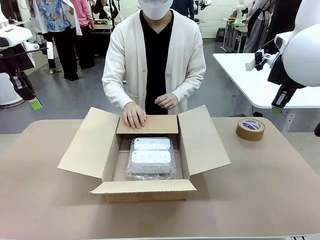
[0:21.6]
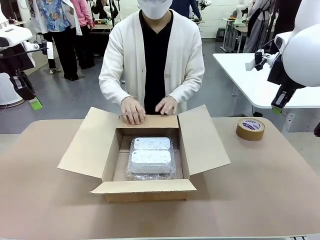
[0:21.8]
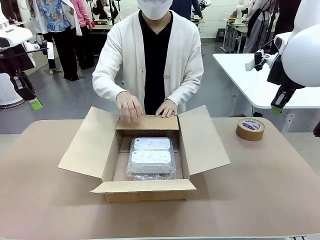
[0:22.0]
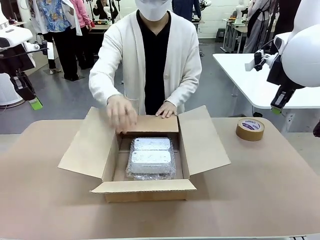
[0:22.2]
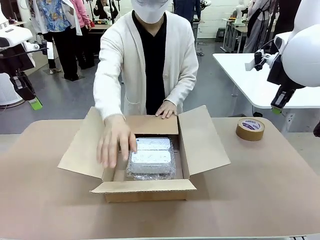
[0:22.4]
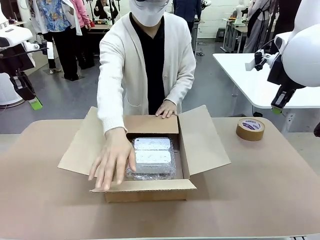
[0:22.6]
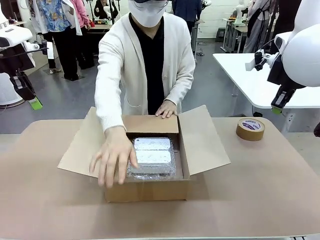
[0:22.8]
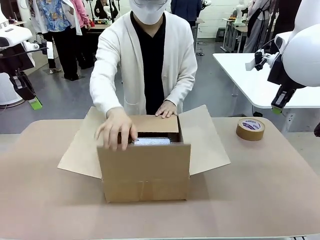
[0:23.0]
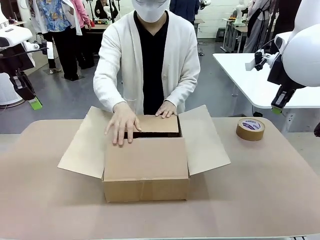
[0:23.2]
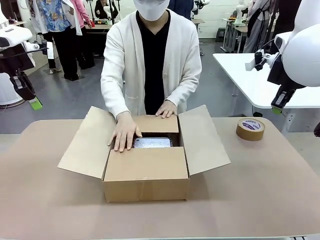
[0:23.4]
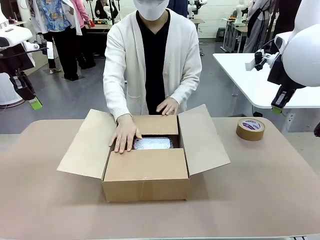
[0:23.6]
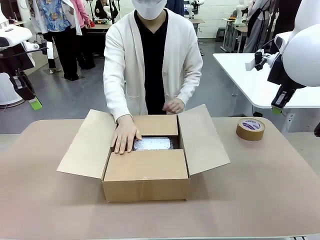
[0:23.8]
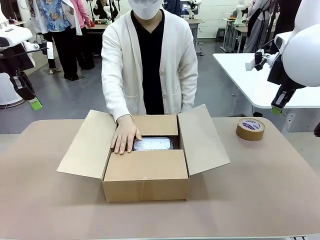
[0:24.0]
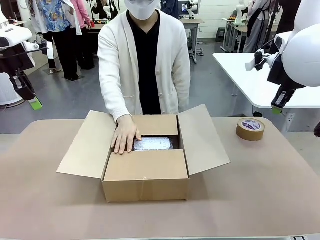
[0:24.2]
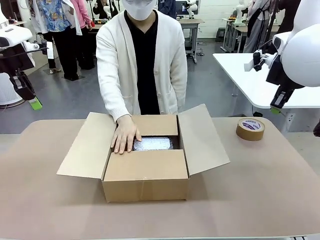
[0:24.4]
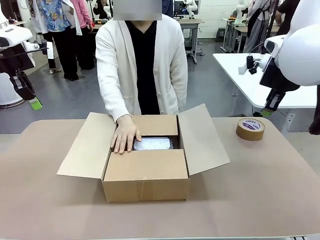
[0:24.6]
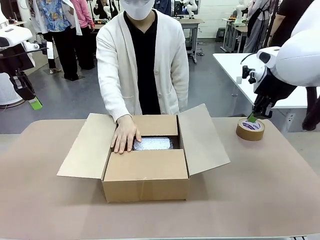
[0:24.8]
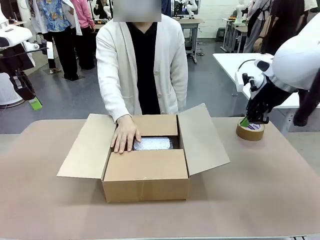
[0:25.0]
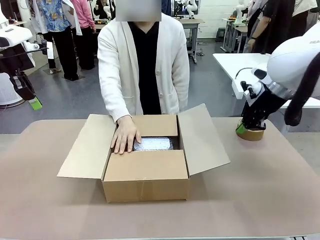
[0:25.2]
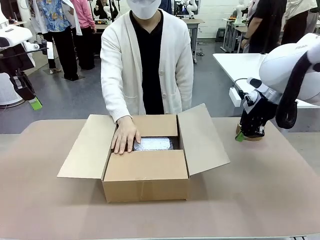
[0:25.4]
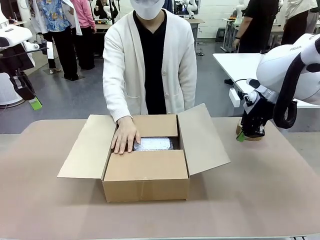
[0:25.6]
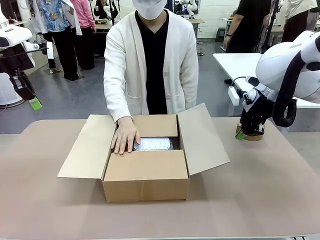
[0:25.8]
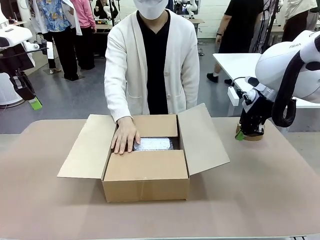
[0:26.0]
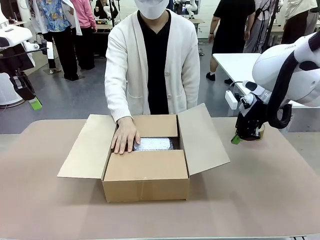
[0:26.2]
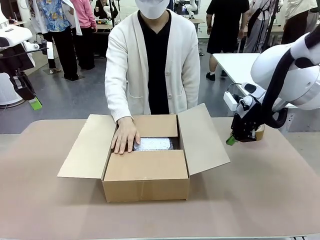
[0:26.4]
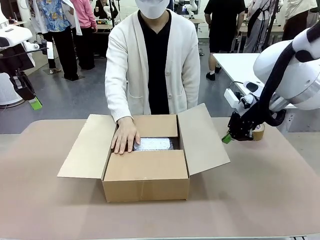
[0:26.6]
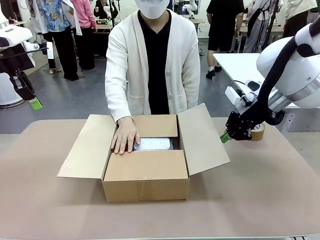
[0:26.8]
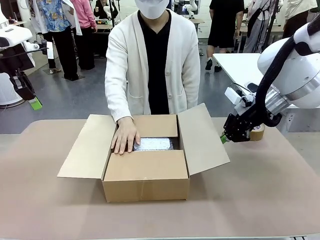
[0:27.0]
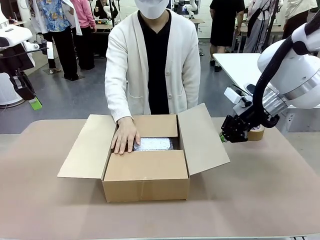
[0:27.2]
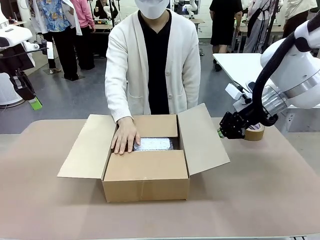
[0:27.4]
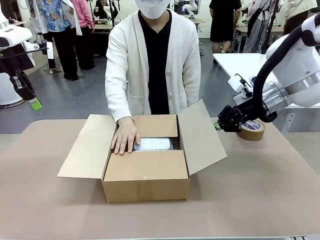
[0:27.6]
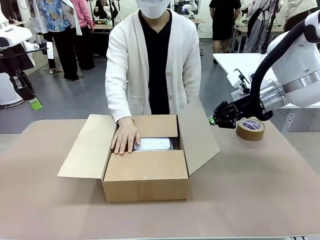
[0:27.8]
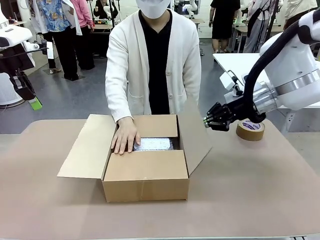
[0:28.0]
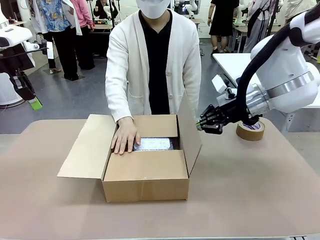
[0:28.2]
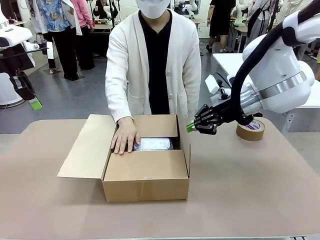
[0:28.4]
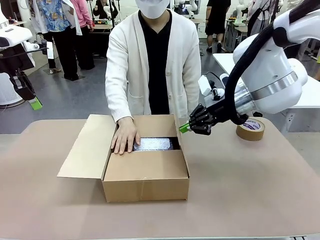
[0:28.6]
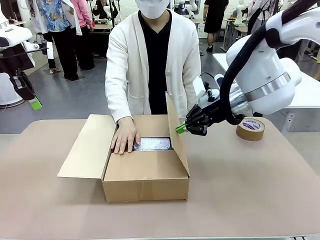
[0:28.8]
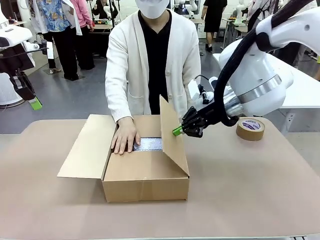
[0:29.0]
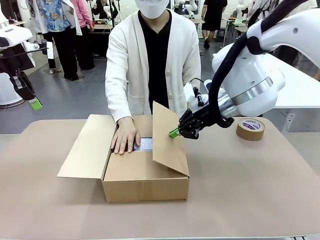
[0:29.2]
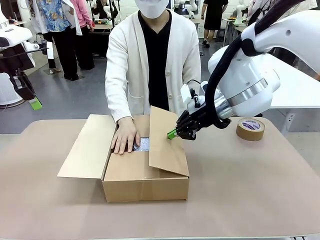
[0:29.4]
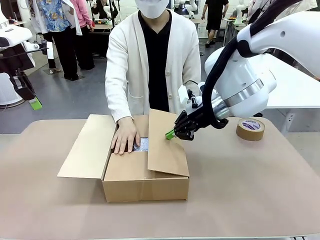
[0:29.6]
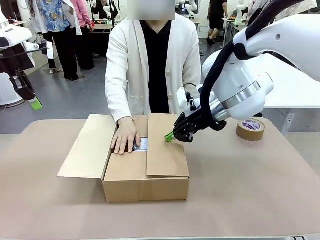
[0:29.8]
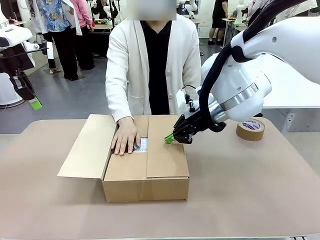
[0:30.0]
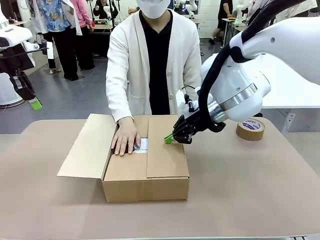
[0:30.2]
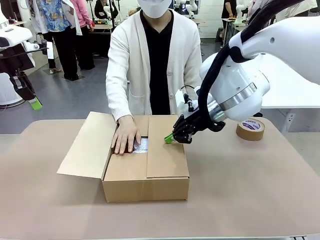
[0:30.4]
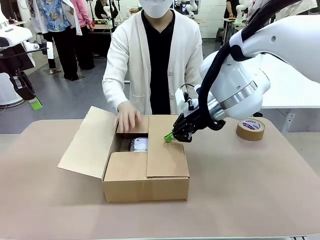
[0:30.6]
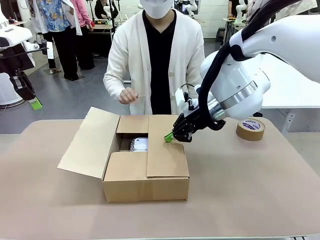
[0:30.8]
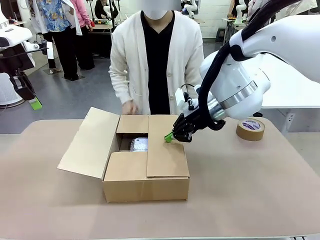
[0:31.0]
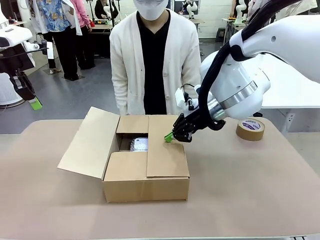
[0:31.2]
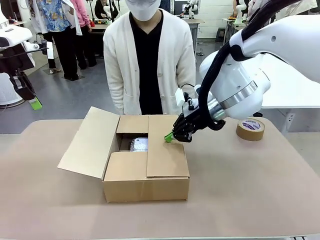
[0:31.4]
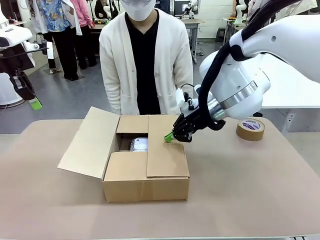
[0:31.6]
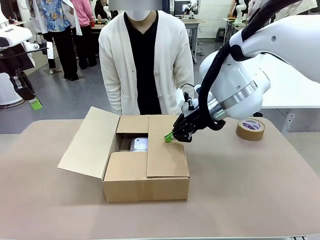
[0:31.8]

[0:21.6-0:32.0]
Task: Wrap the clocks to prevent damage.
Robot: Push the right (or left) flap of the Package Box to close it.
Person: Hold the top and bottom flaps of the Package Box closed with your left (or right) hand. Once the robot closes the right flap of the Package Box , release your left hand from the box.

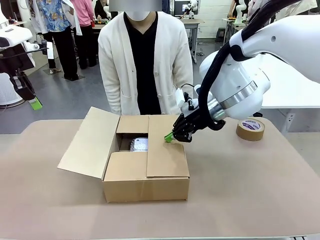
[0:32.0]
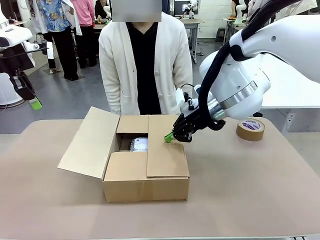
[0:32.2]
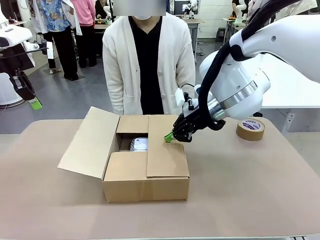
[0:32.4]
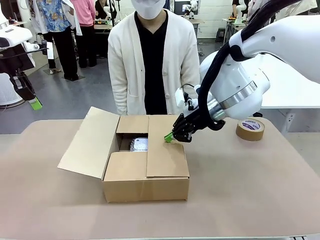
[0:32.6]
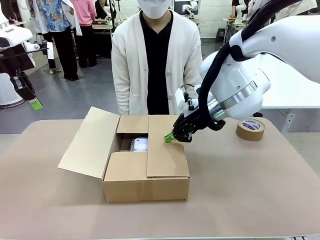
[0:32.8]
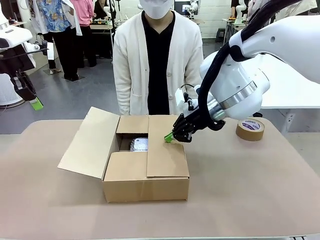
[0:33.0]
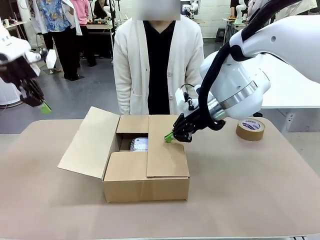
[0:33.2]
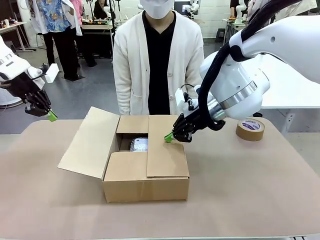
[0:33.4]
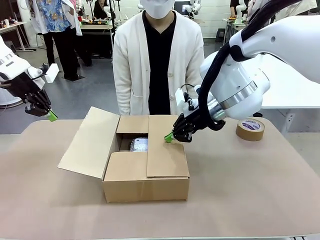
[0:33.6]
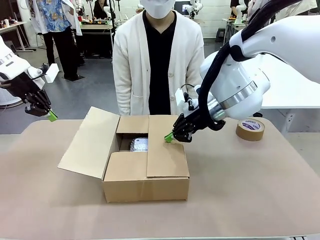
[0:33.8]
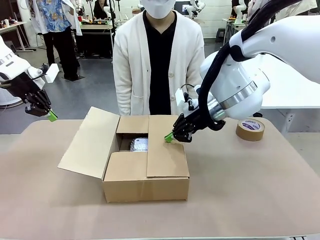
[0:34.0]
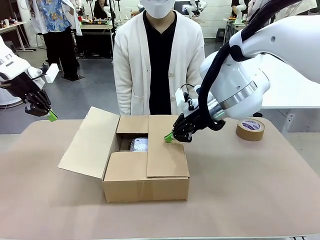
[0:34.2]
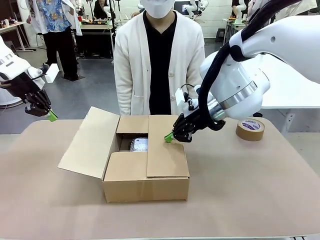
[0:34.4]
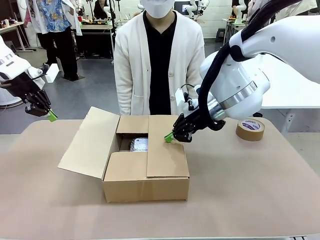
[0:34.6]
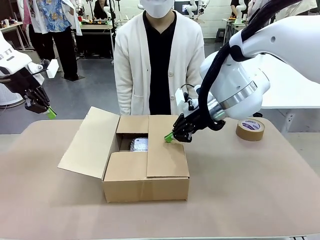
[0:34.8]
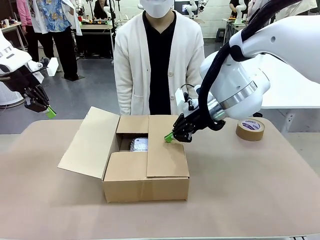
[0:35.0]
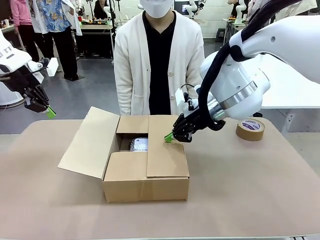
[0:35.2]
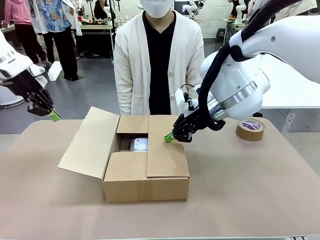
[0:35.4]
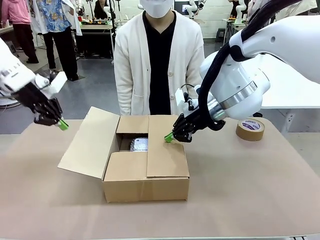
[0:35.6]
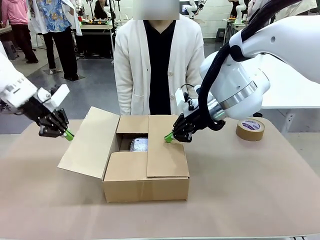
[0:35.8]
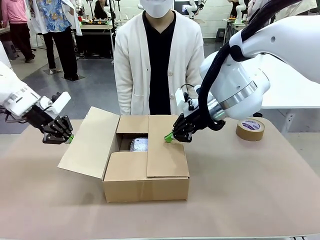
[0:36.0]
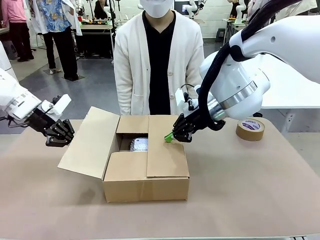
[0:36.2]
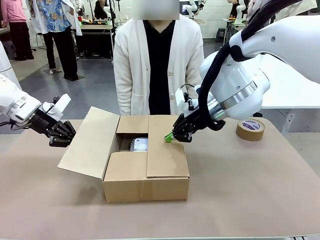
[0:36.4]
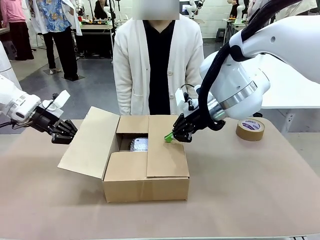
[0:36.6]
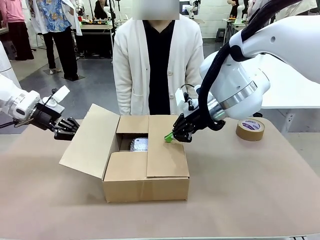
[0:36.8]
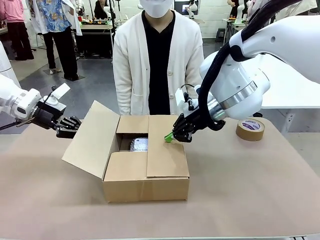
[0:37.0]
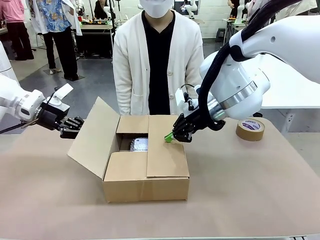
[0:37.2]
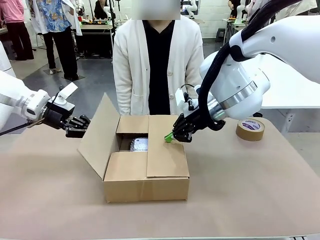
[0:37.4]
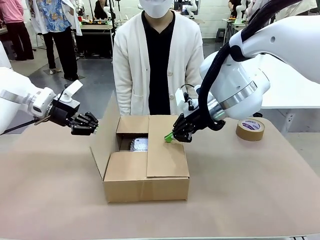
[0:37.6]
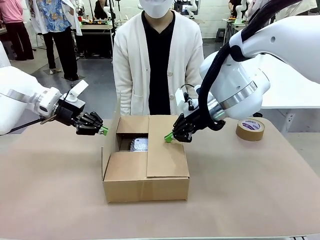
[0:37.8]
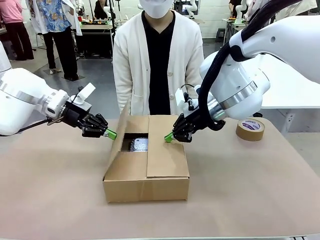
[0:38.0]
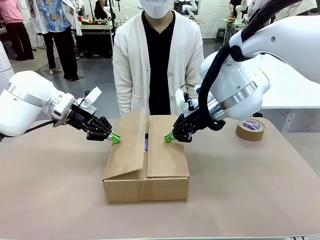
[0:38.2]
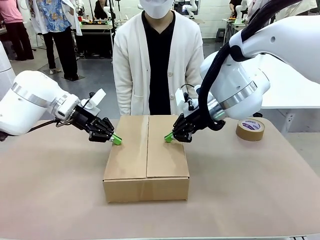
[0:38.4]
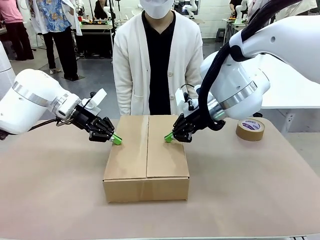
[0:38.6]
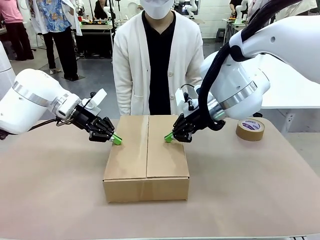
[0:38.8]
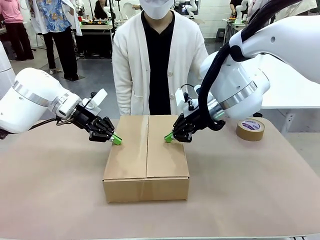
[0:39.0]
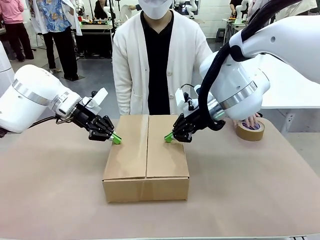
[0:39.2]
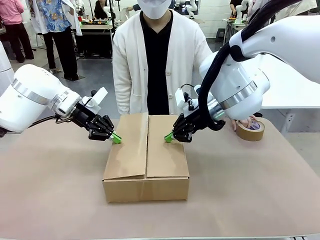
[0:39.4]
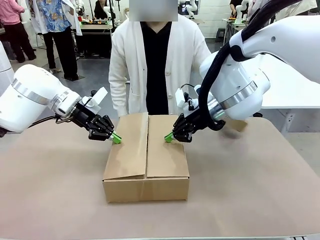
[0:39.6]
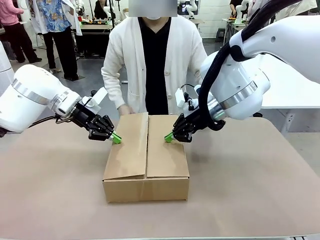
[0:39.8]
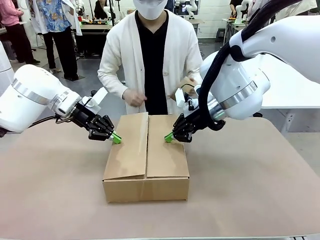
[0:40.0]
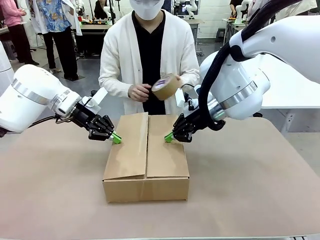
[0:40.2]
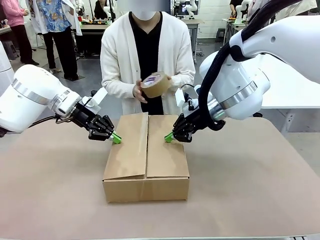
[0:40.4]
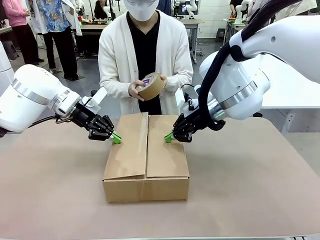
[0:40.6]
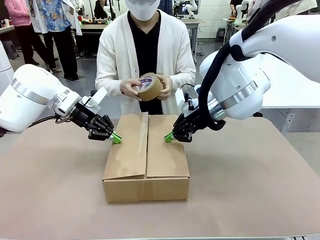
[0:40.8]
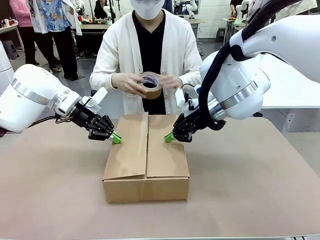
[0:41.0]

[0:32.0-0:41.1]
Robot: Push the left (or right) flap of the Package Box to close it.
